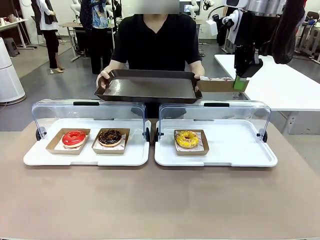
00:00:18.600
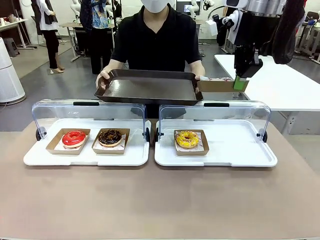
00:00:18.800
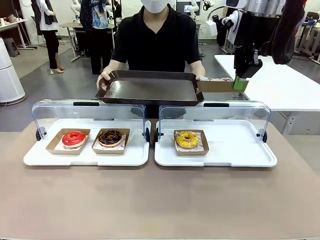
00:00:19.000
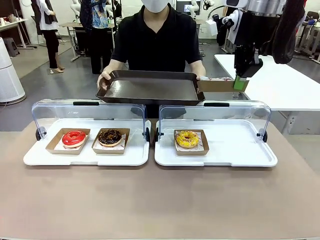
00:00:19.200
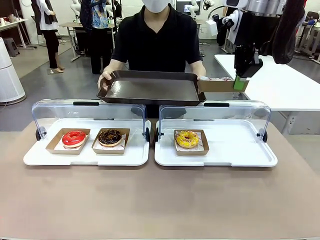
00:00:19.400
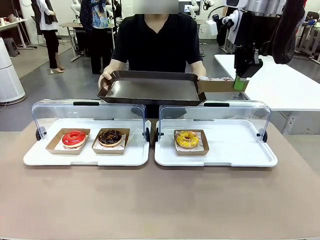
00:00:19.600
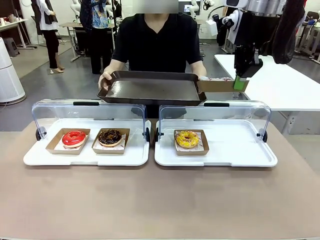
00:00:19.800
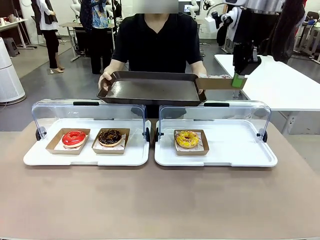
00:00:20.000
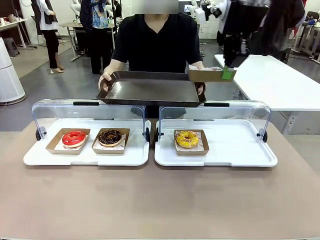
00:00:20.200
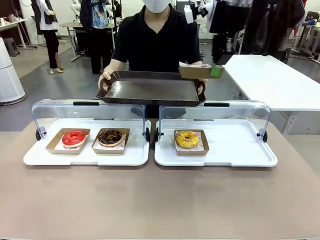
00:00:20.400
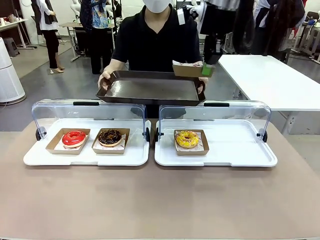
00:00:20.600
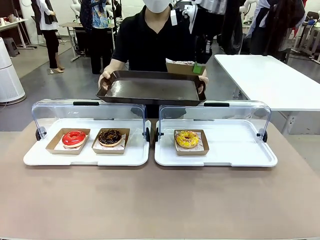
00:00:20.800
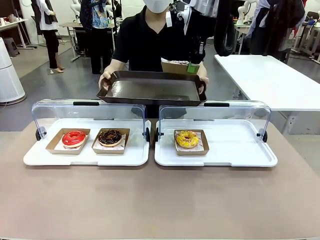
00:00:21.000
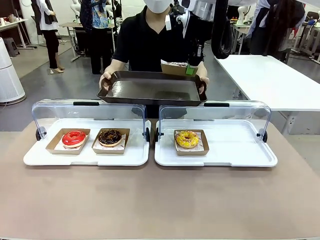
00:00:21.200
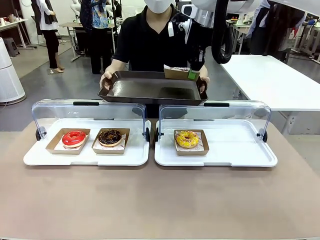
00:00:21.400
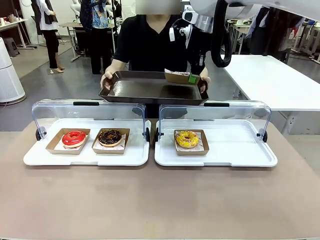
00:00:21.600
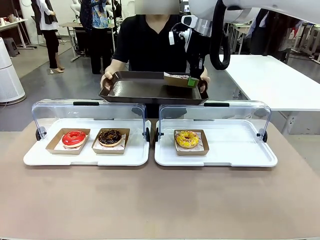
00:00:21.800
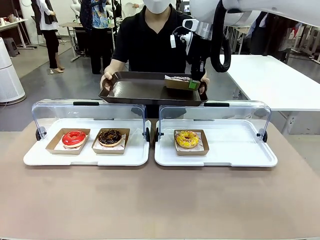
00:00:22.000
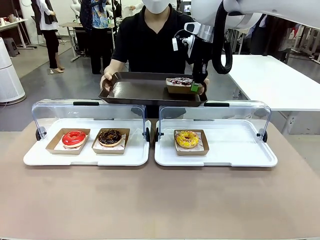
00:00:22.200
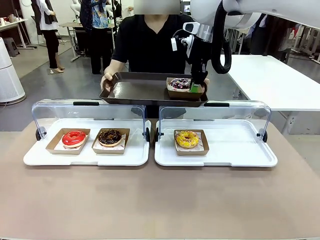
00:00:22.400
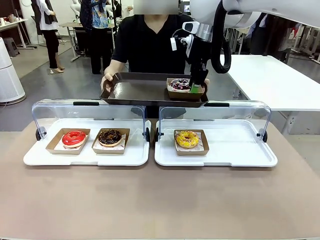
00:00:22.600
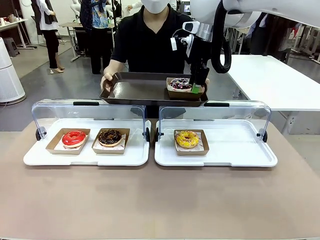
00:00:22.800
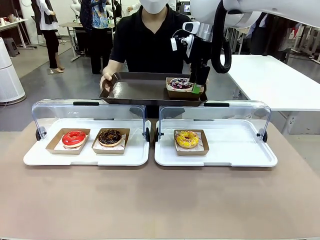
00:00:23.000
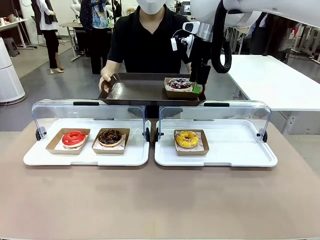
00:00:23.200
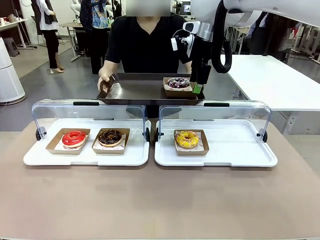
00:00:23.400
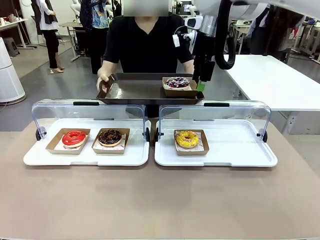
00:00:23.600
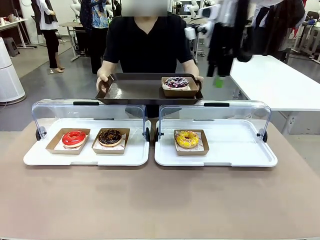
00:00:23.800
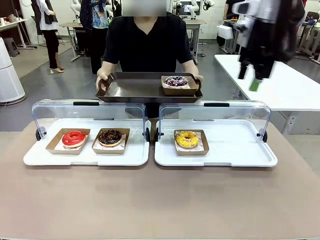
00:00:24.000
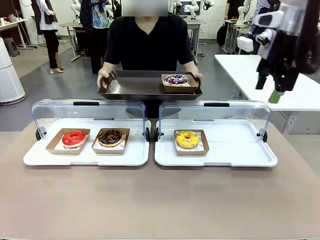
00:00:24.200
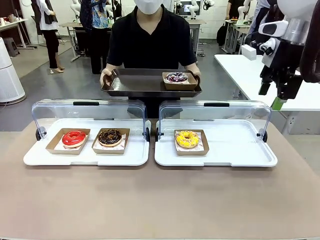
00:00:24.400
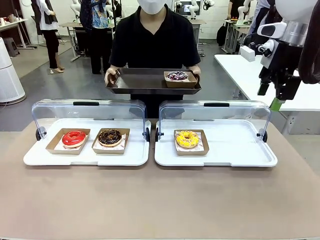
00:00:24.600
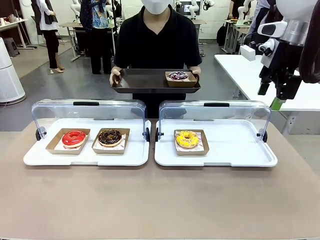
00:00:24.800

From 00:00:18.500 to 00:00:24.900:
Task: Provide the desired donut to the person.
Robot: Place the picked Paper togo box onto the Handle tray extended by the person.

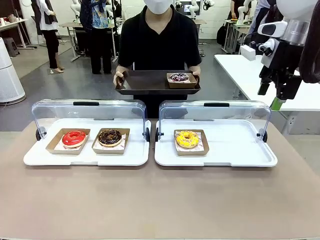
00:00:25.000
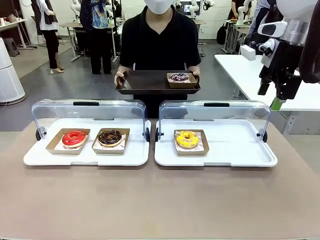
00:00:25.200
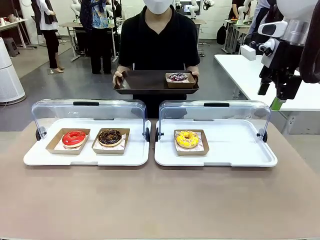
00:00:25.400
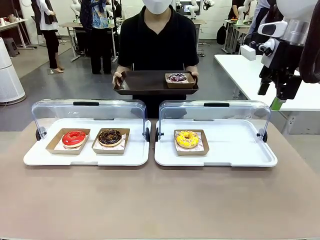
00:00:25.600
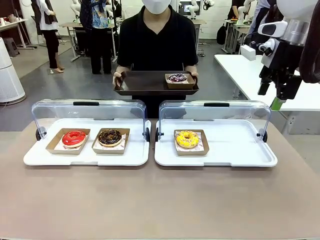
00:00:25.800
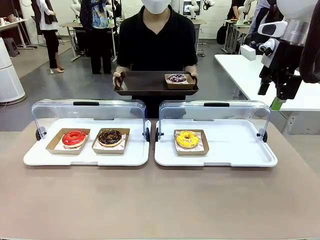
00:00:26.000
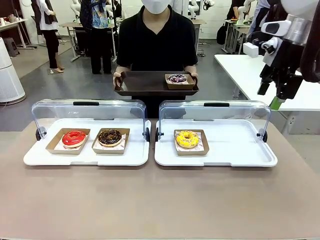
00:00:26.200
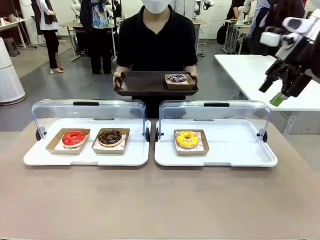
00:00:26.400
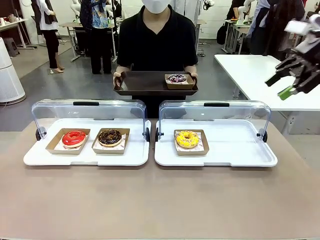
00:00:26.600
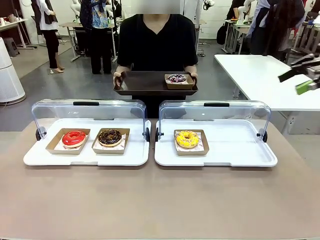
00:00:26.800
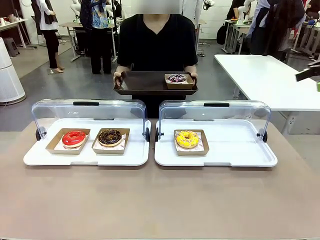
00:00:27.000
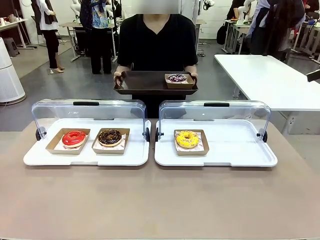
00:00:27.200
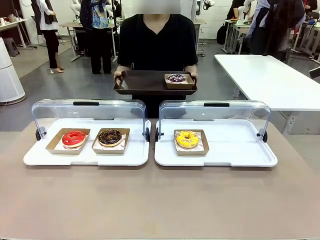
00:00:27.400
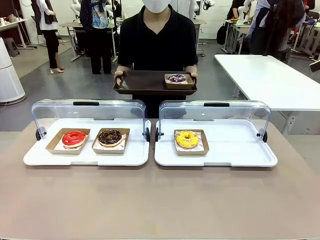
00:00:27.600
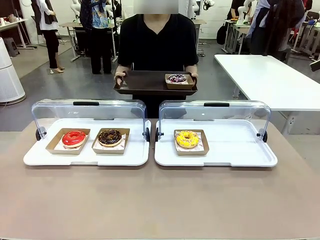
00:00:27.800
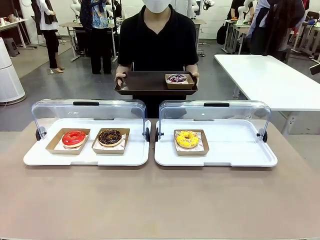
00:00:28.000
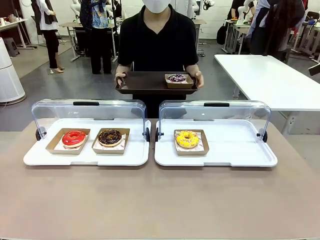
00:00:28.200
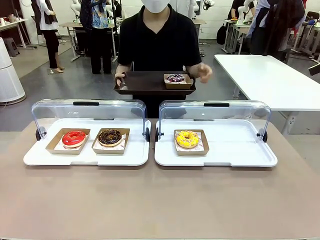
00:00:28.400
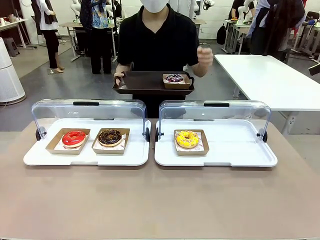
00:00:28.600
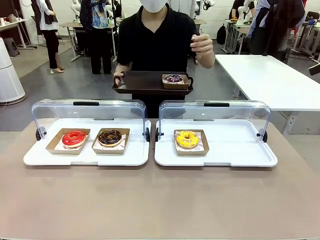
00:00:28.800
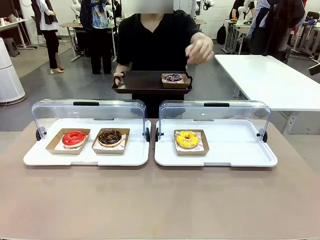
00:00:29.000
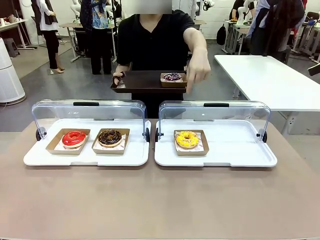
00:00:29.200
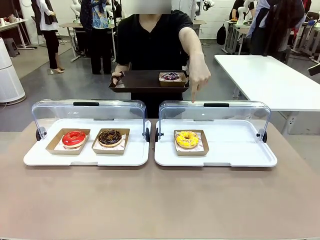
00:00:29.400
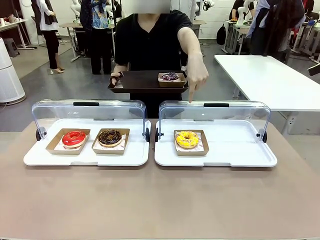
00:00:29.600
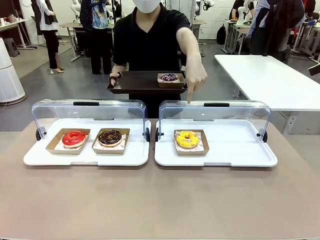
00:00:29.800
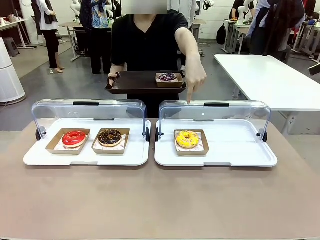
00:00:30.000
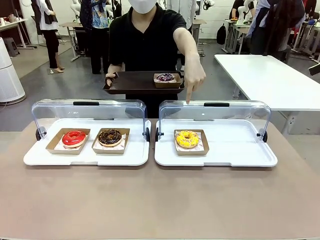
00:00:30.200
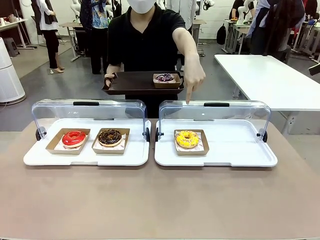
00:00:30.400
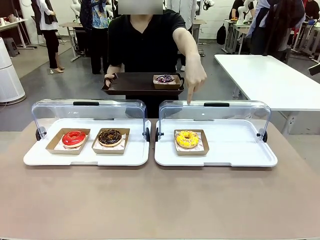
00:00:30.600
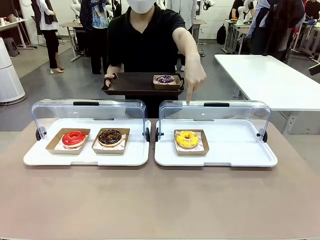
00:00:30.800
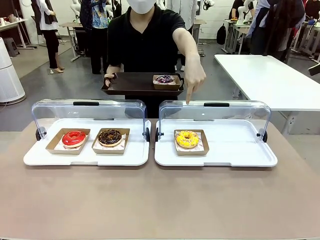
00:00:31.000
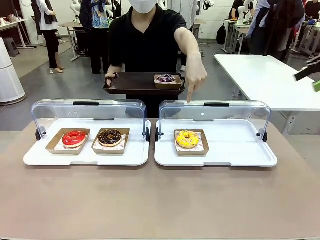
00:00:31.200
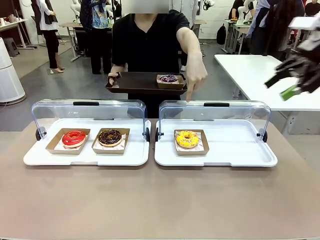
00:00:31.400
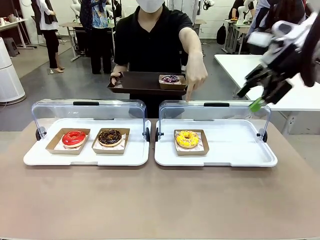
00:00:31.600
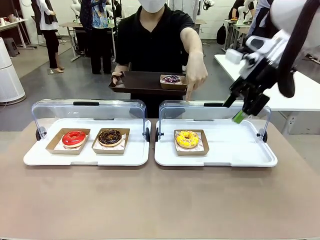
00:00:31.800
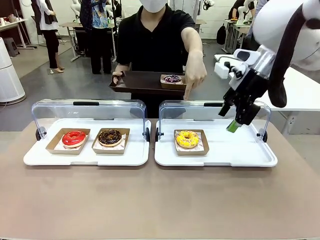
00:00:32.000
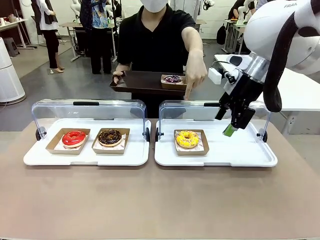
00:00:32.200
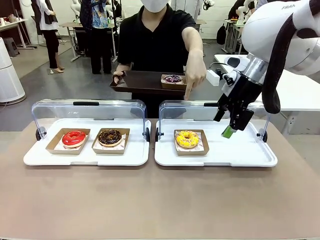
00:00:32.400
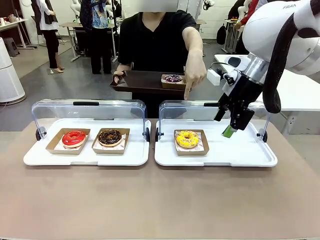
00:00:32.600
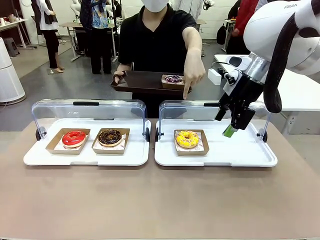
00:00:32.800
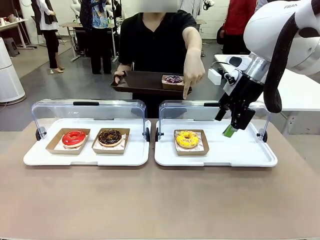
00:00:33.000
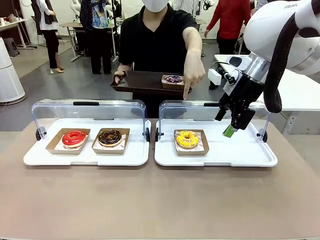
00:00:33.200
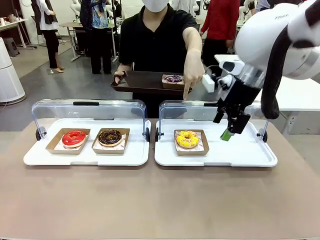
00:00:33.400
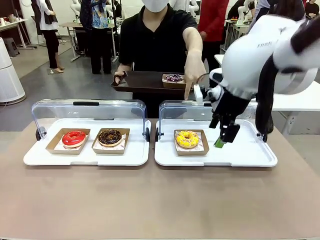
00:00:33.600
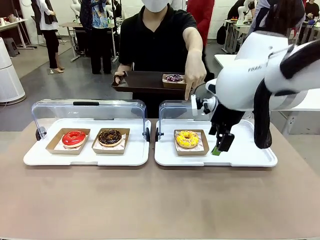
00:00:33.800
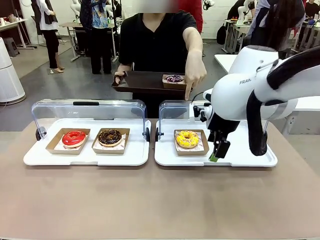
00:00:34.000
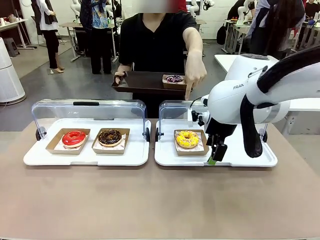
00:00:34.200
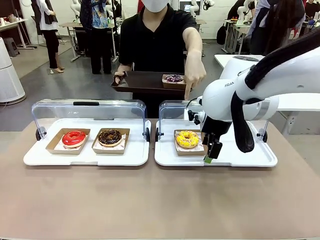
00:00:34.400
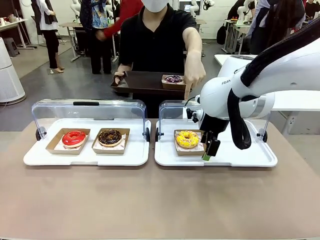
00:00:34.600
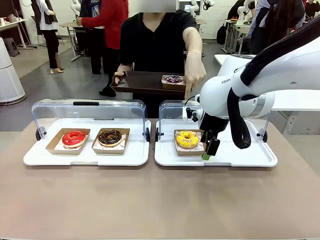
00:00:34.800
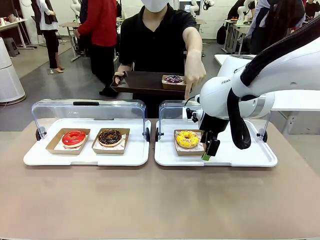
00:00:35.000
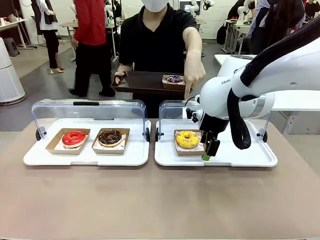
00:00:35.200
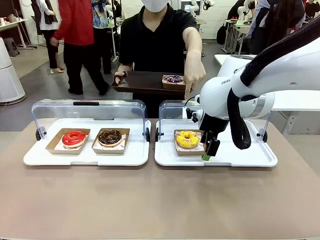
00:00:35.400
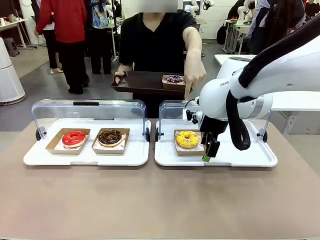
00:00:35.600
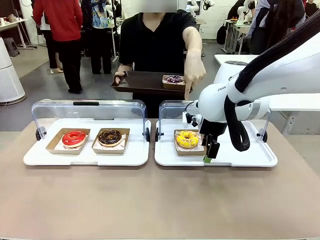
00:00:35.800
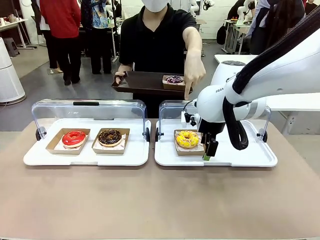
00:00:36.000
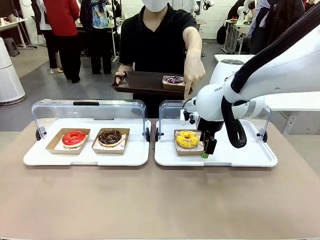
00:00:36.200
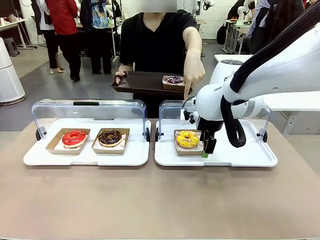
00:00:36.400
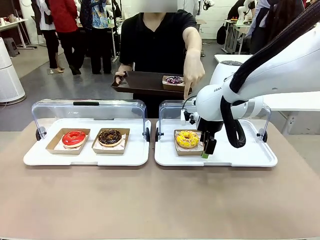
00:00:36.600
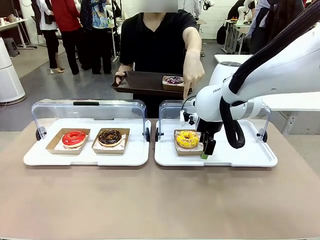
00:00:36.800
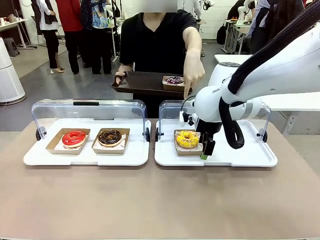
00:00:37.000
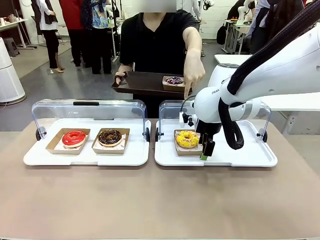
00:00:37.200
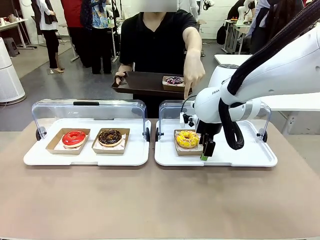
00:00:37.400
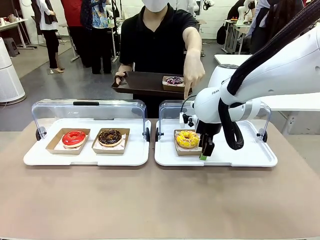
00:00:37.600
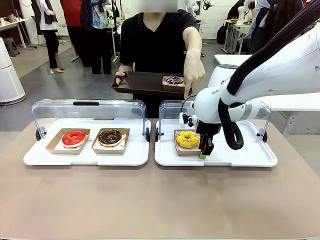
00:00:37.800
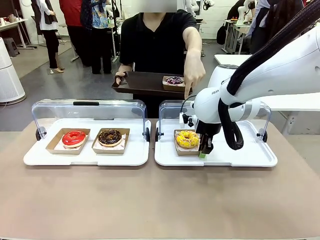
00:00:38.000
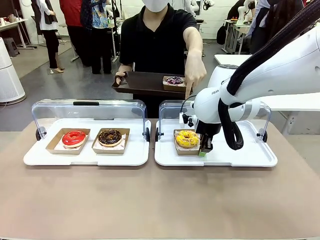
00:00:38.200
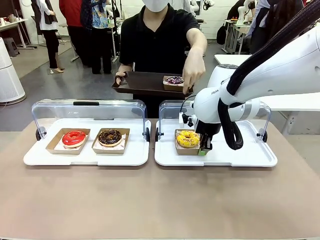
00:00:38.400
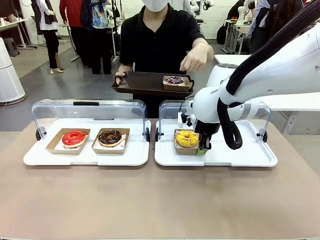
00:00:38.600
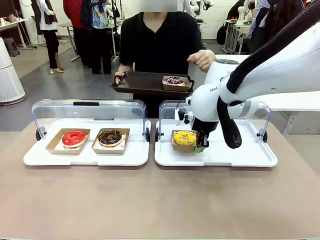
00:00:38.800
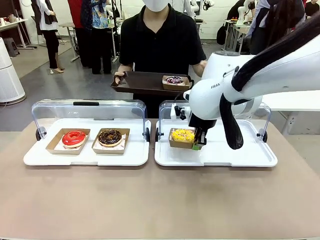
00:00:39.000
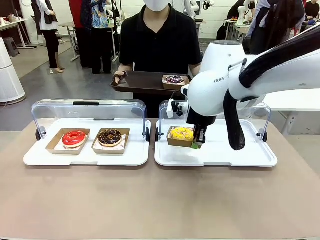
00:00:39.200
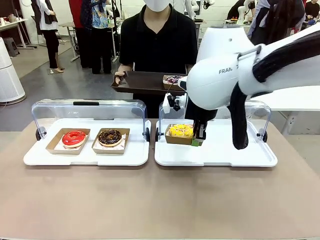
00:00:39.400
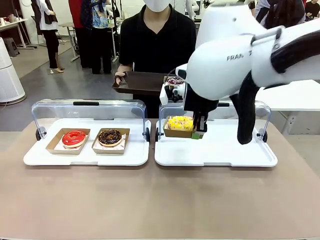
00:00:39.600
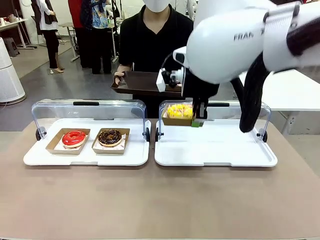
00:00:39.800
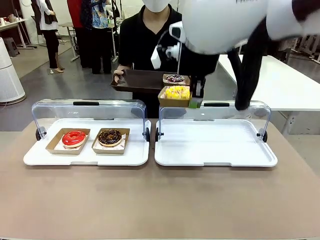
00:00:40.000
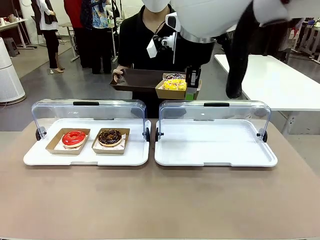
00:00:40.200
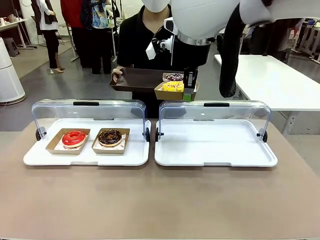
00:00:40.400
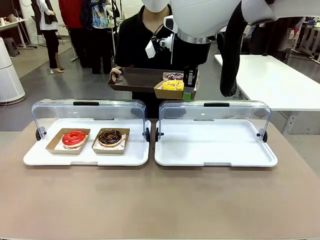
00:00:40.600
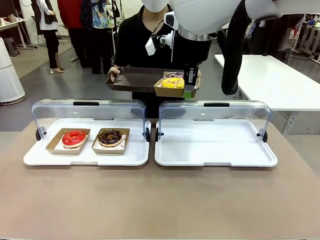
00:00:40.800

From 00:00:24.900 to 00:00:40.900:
Robot: Pick up and lift the Paper togo box containing the Donut pointed at by the person.
Person: Point to one donut. Lift the tray onto the Roll-Top Bakery Case.
